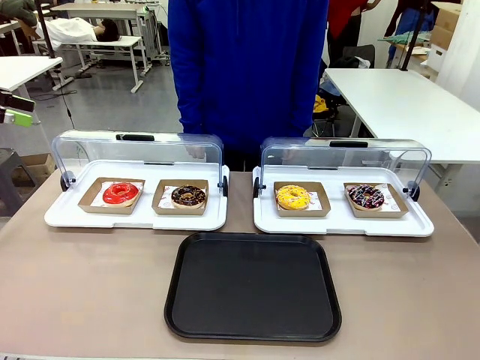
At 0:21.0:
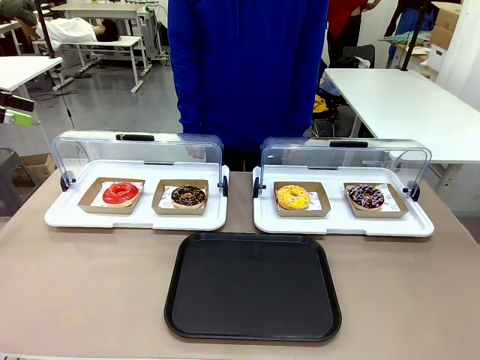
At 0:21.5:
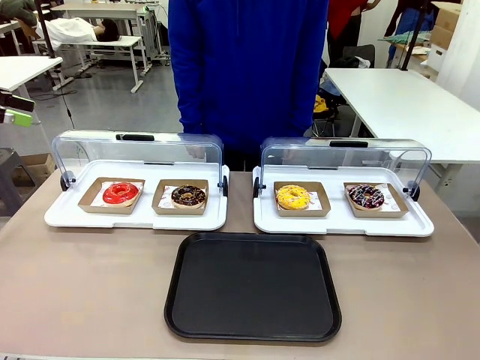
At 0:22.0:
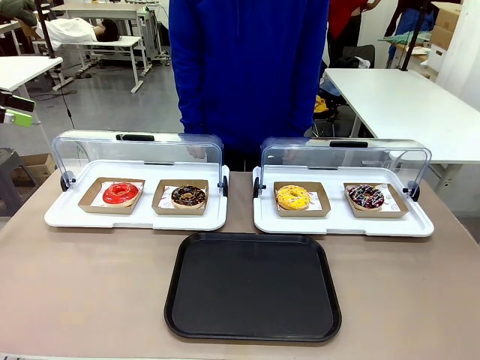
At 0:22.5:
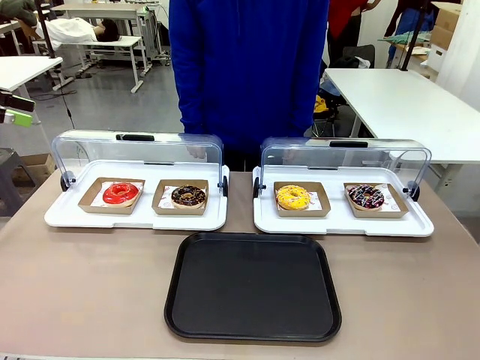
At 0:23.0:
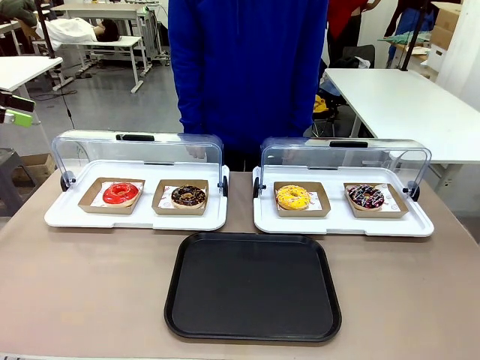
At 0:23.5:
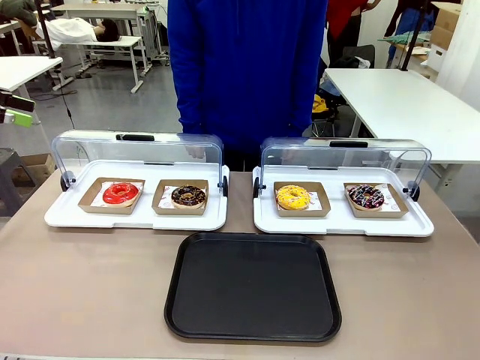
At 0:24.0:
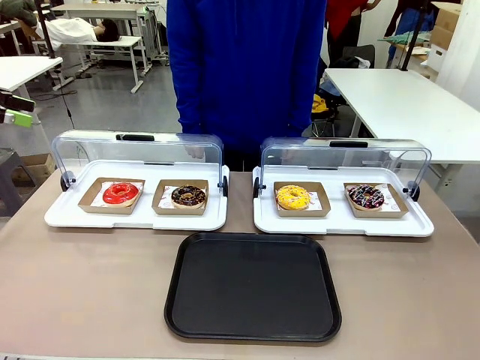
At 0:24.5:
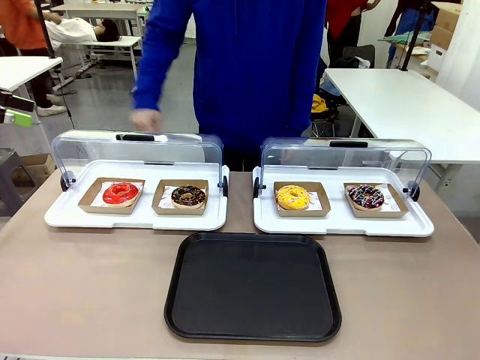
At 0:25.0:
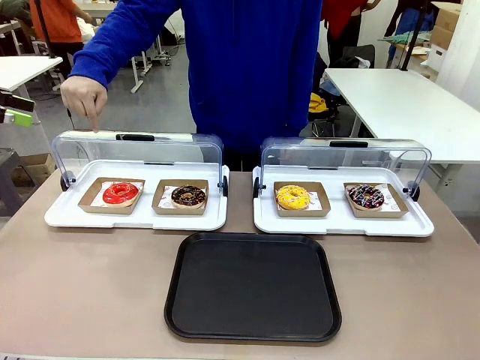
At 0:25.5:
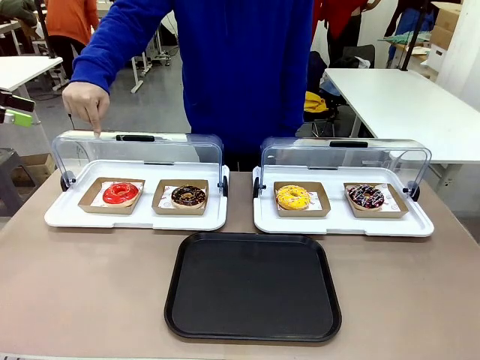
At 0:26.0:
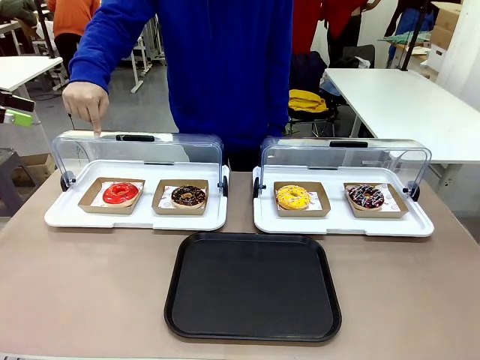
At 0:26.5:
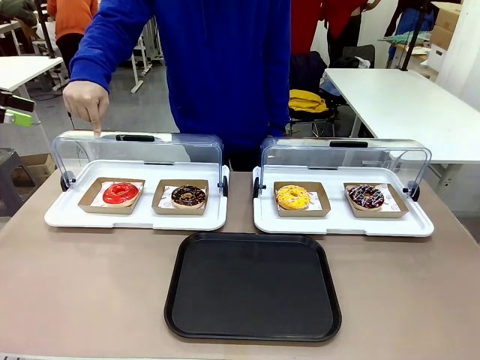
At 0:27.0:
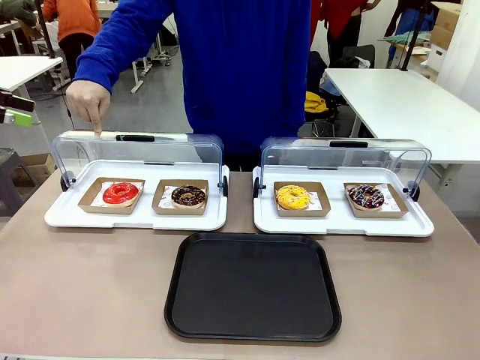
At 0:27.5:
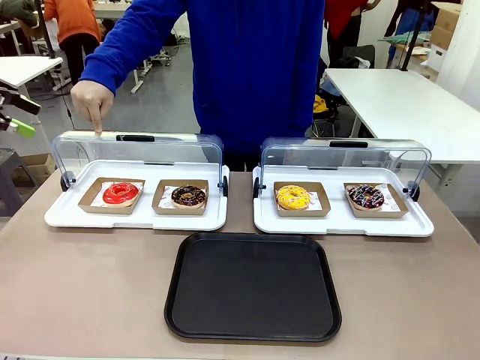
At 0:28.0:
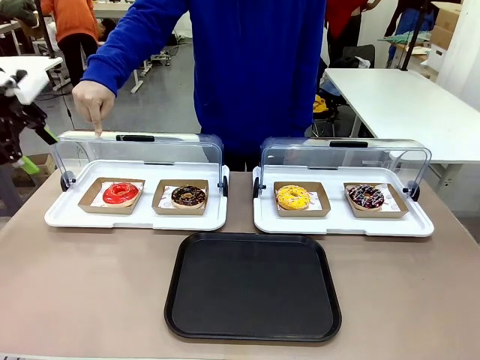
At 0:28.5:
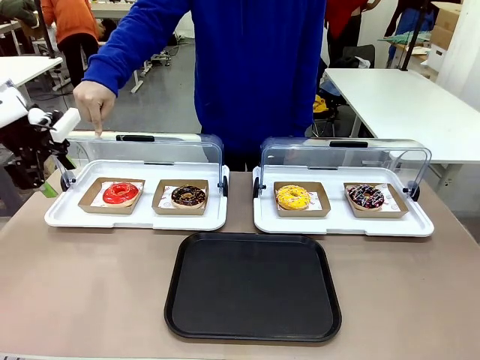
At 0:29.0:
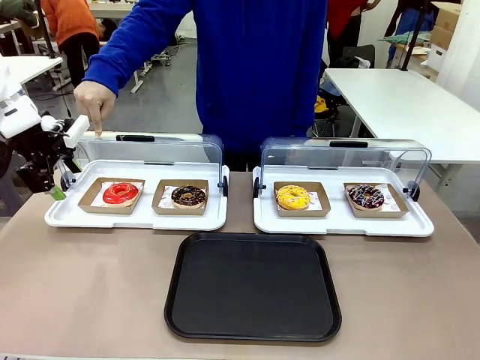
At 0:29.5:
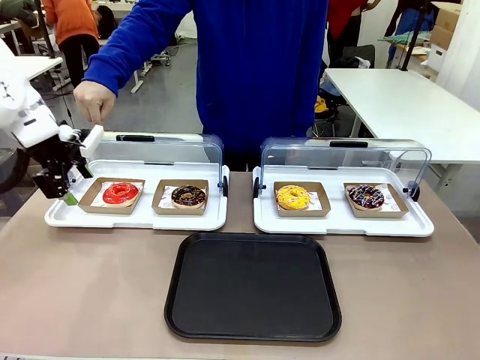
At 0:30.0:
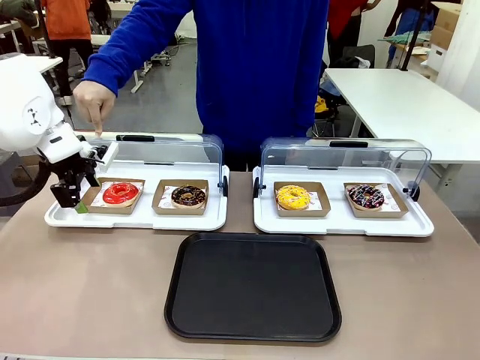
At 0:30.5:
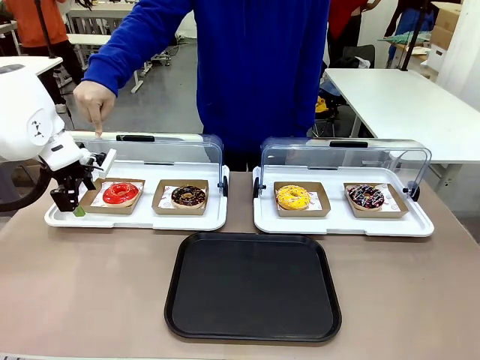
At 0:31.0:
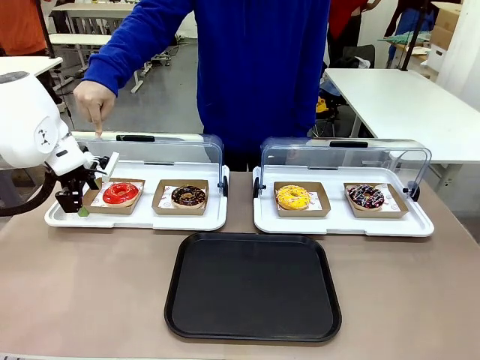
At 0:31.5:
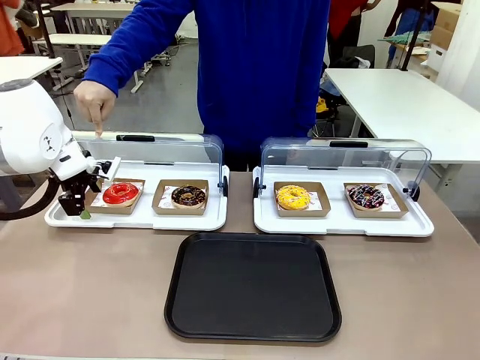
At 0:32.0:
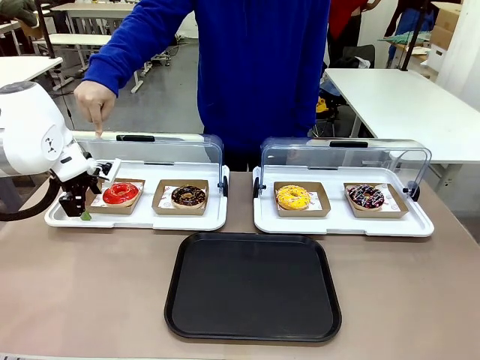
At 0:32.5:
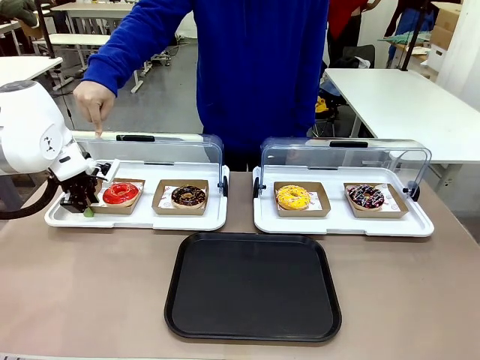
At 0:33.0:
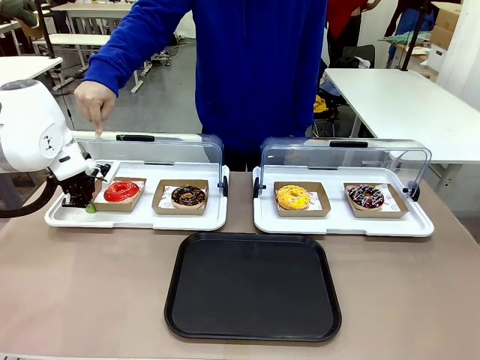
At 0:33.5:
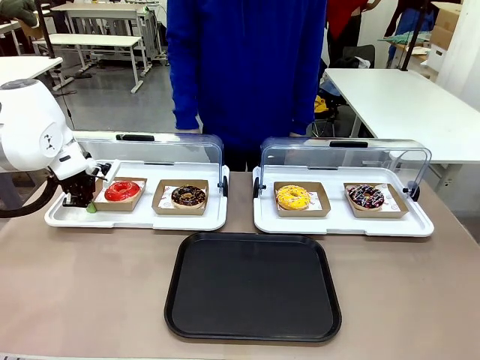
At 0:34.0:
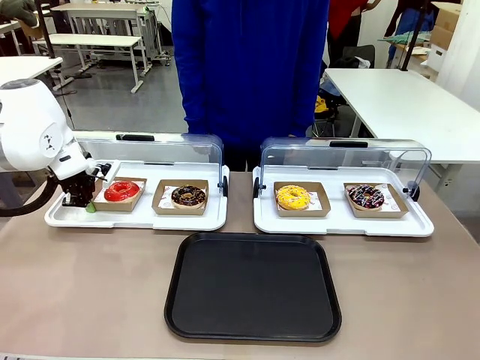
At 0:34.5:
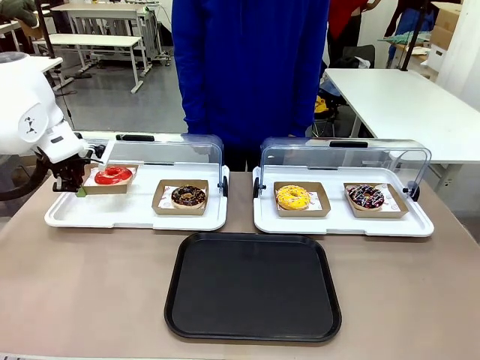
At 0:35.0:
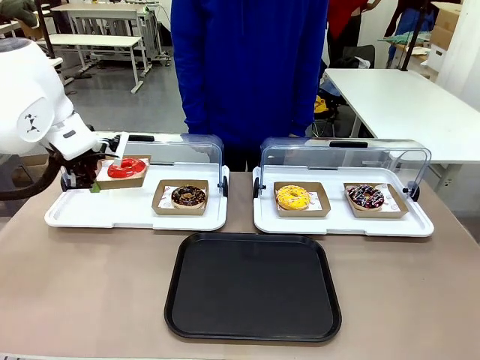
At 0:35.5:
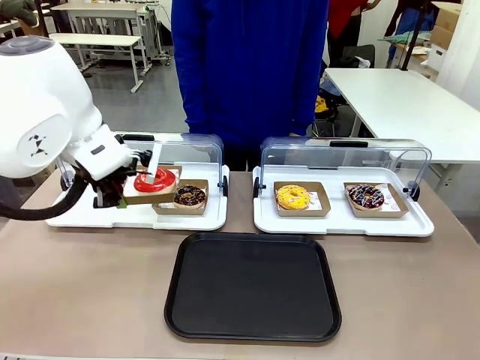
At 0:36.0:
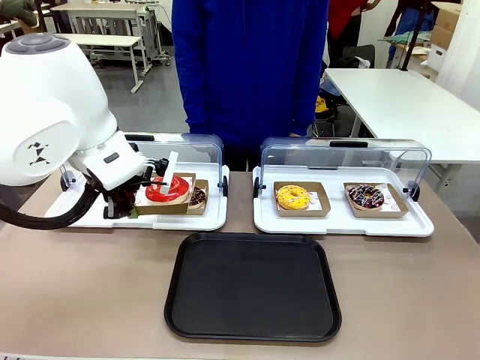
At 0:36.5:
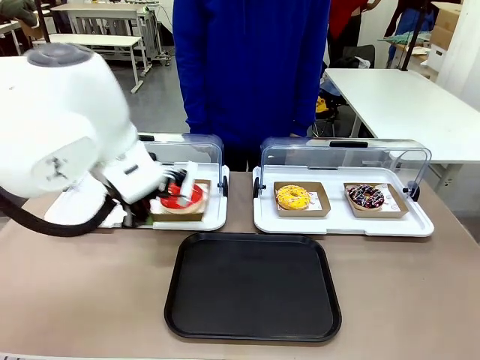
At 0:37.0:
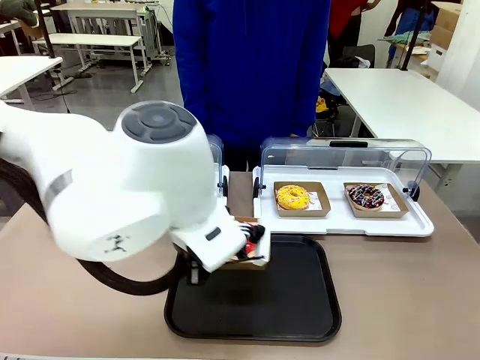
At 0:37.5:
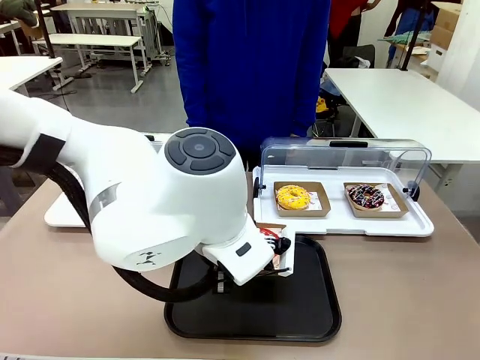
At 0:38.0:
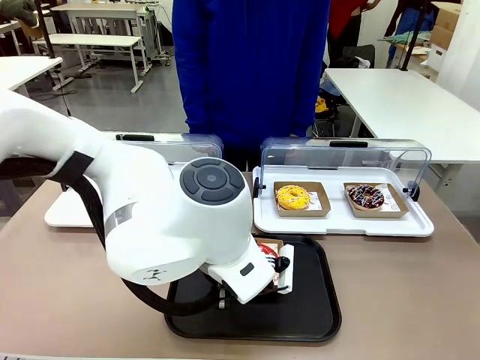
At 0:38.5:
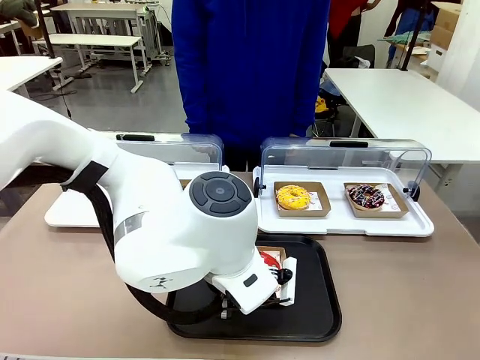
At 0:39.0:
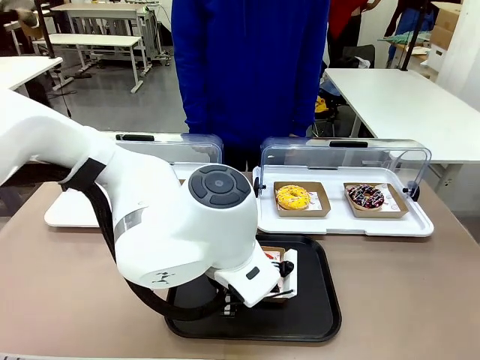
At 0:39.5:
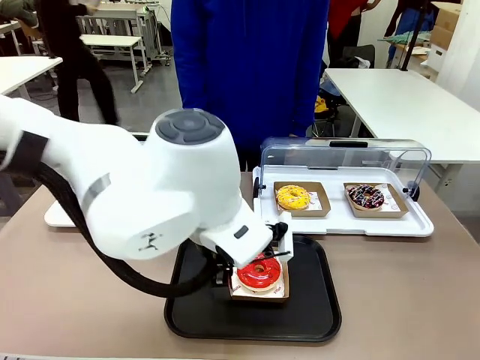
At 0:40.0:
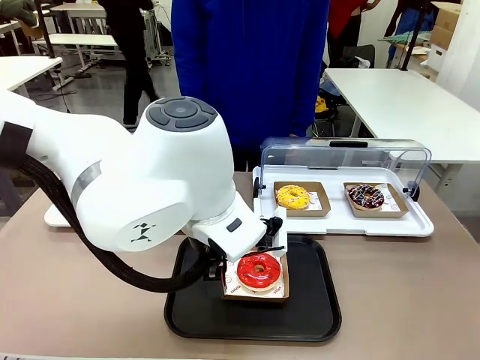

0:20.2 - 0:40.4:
Task: Move the first donut from the left to the tray.
Robot: Pick up the Paper togo box containing the Donut indicated by the person and place it on the Handle tray.

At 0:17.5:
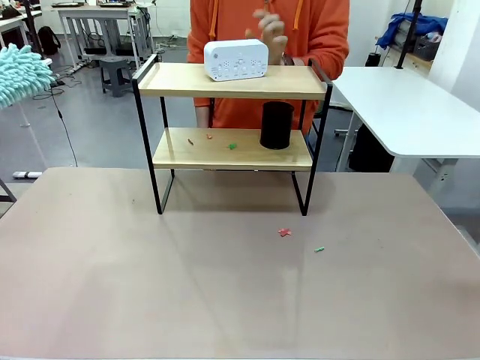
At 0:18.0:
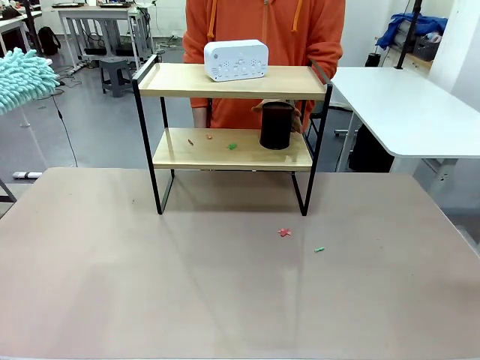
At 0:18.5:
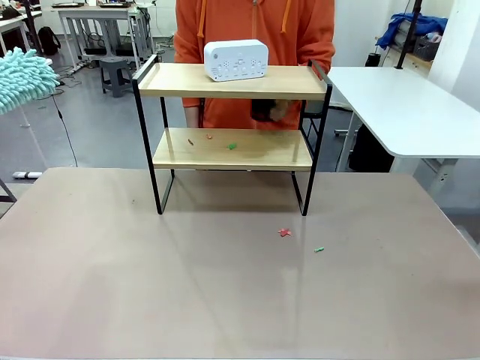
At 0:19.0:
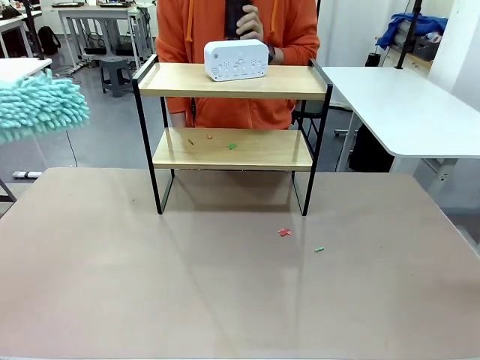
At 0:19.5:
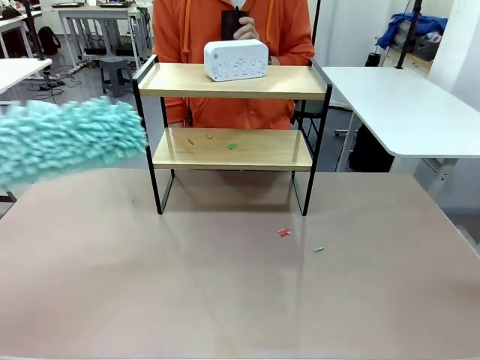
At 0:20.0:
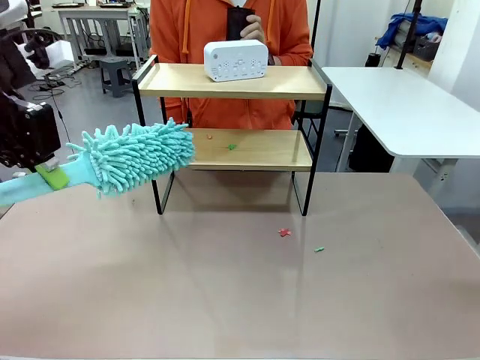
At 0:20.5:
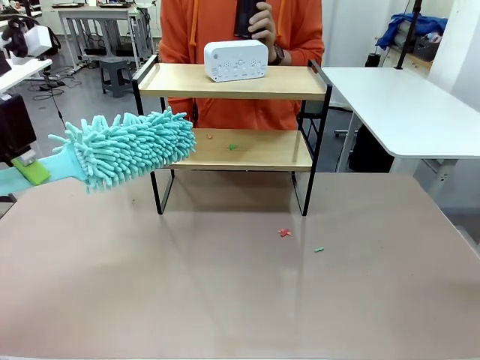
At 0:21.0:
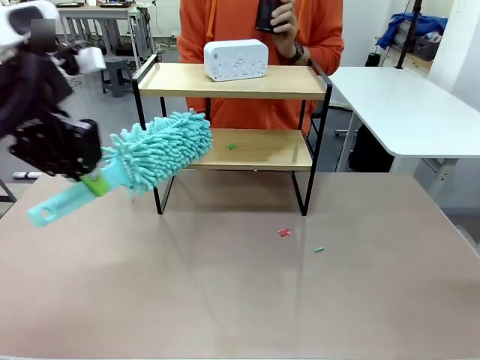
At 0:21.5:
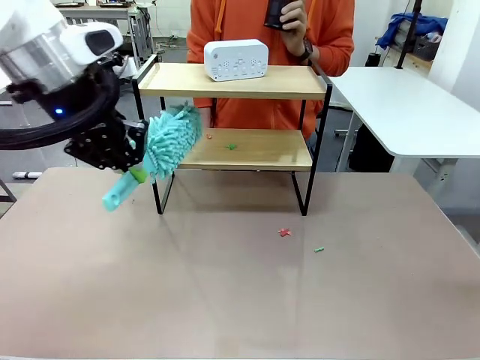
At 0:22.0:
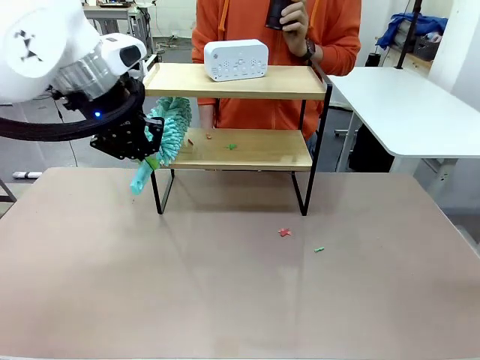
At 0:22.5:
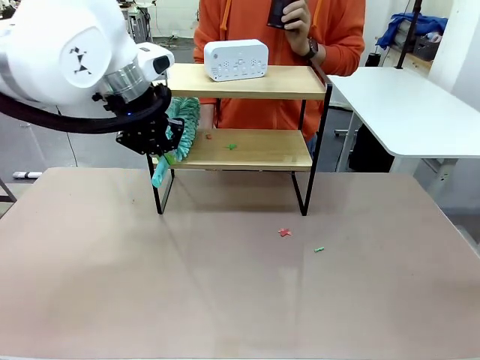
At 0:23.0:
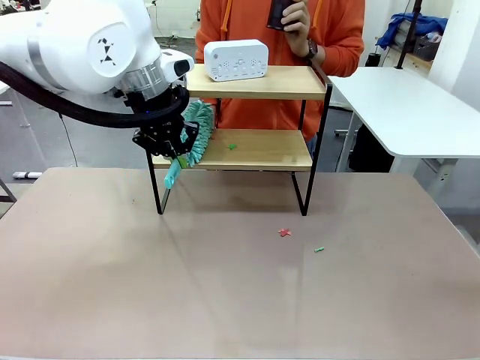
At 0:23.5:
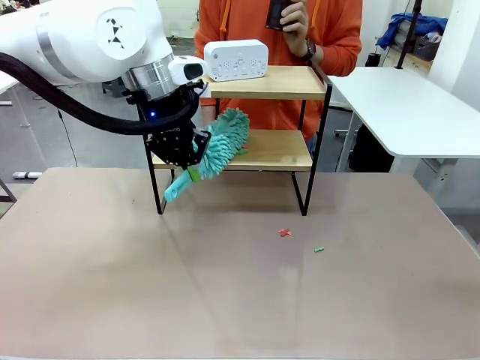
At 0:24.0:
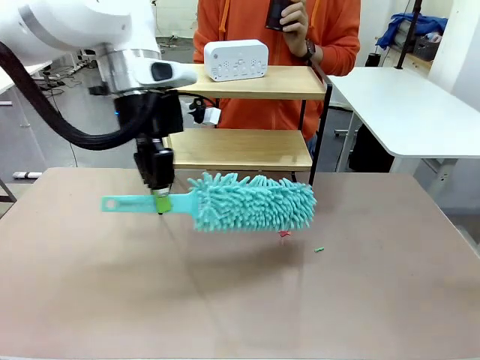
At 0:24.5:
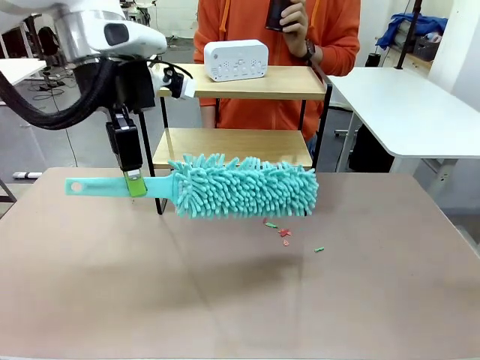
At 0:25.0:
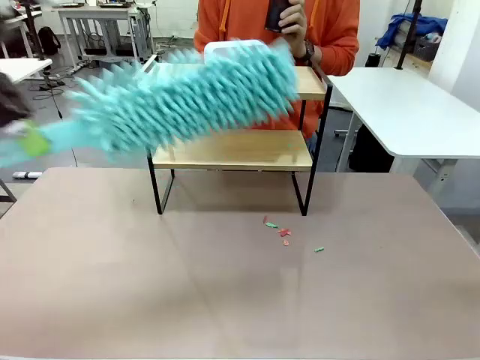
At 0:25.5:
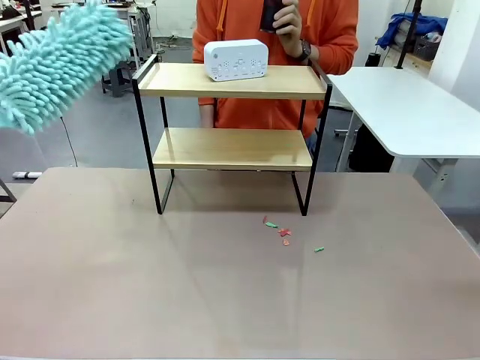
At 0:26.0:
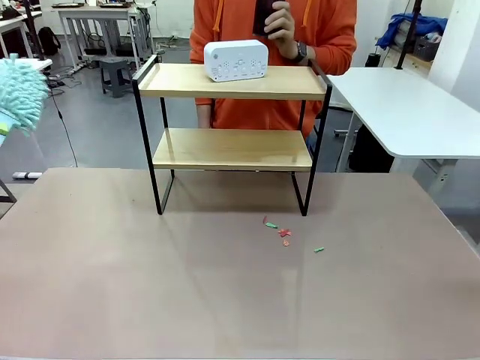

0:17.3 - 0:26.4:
Task: Clean the shelf.
Robot: Clean the remaining tier of the Shelf with the Duster once objects are removed.
